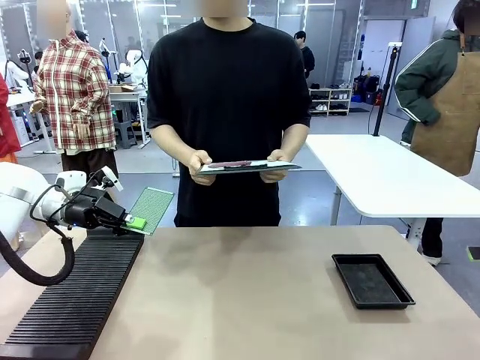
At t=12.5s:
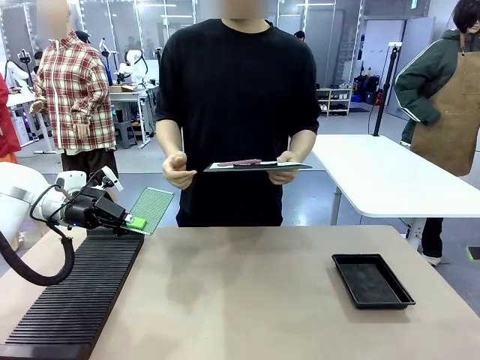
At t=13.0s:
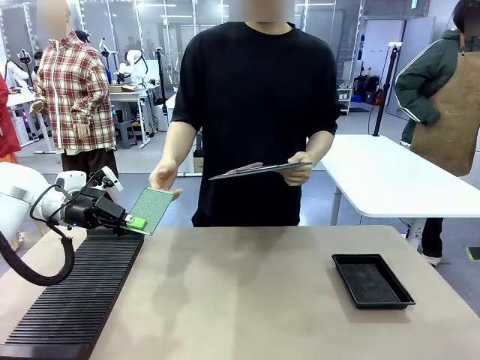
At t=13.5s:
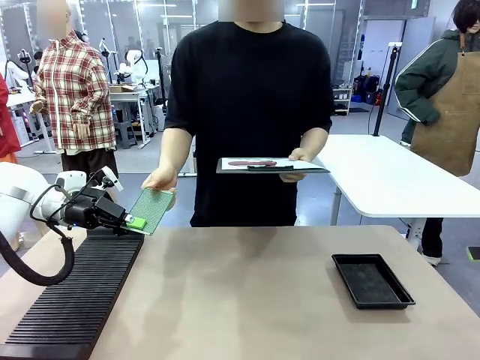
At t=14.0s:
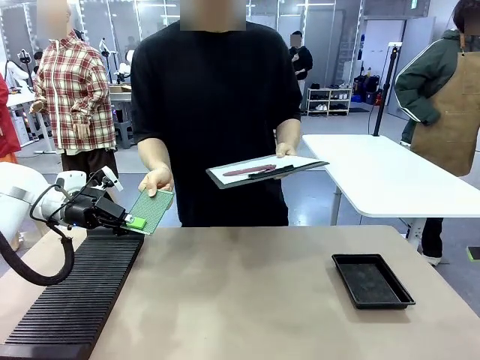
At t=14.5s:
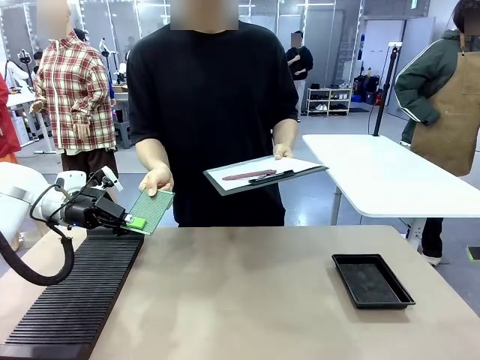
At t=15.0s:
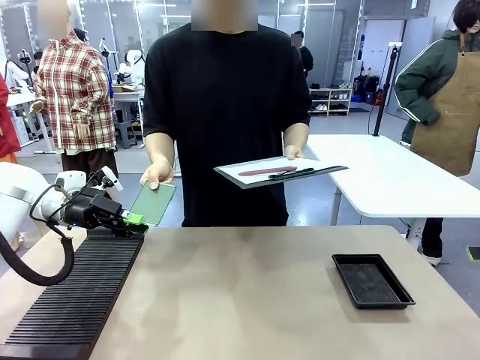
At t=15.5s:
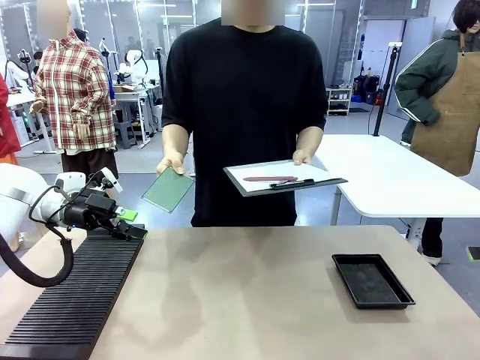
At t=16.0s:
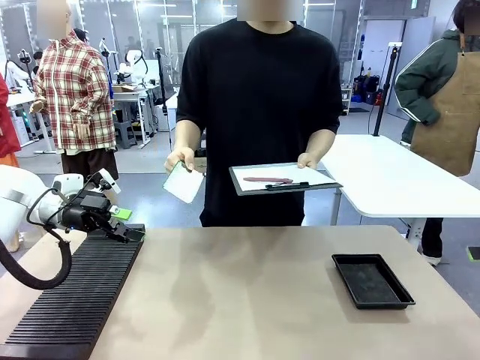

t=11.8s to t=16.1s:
Task: Inspect the PCB.
Robot: Release the Blank PCB you were holding.

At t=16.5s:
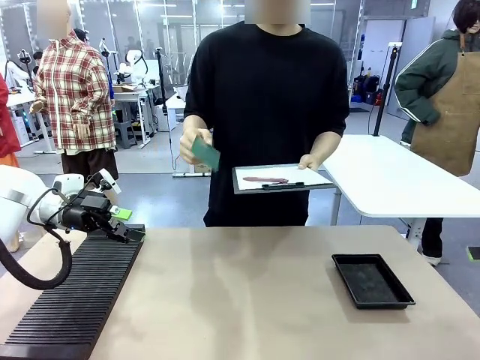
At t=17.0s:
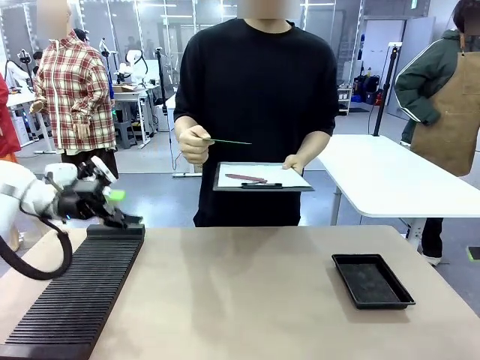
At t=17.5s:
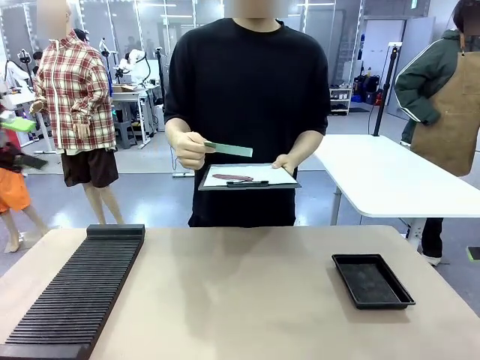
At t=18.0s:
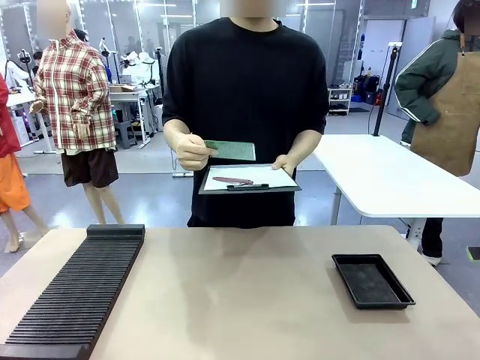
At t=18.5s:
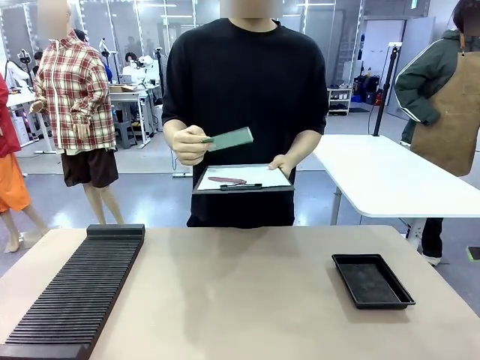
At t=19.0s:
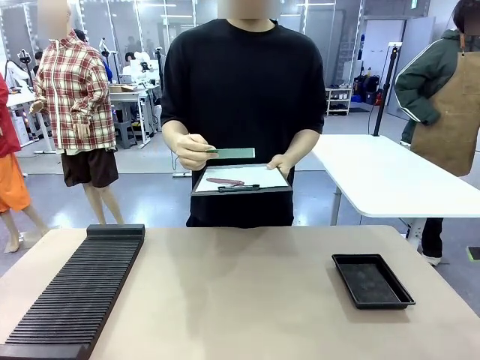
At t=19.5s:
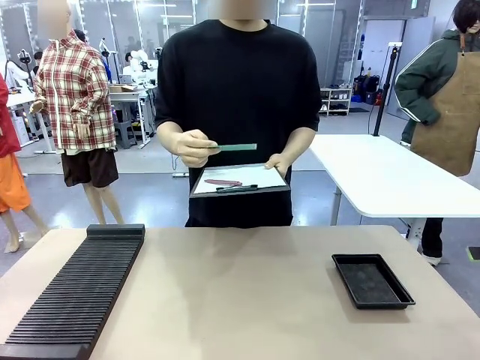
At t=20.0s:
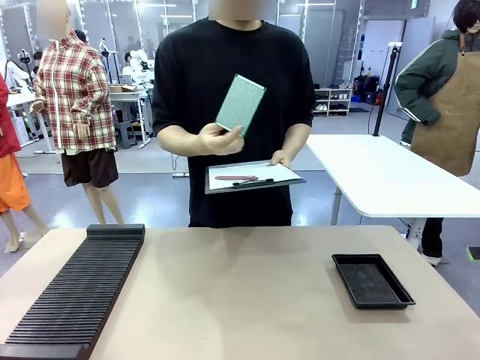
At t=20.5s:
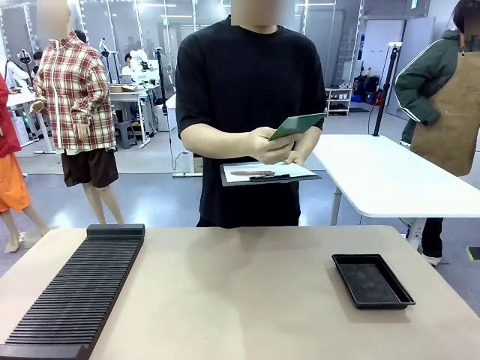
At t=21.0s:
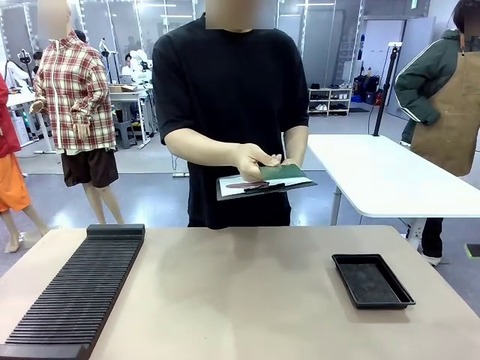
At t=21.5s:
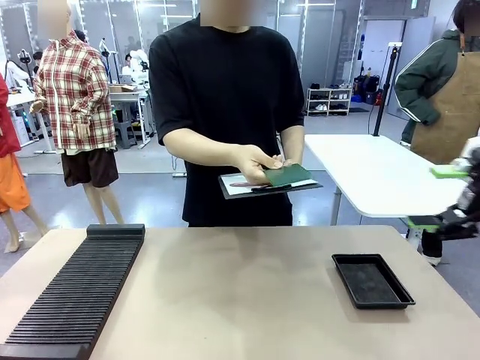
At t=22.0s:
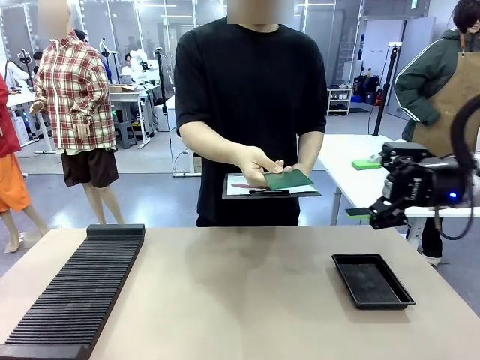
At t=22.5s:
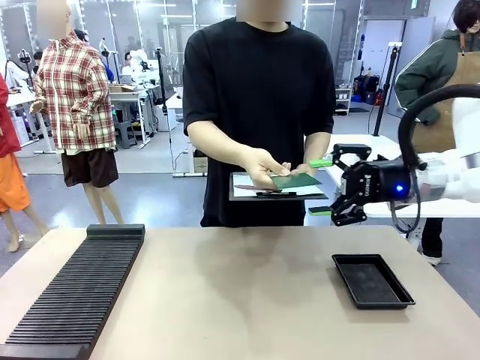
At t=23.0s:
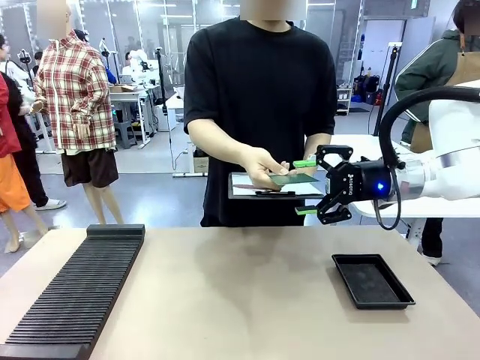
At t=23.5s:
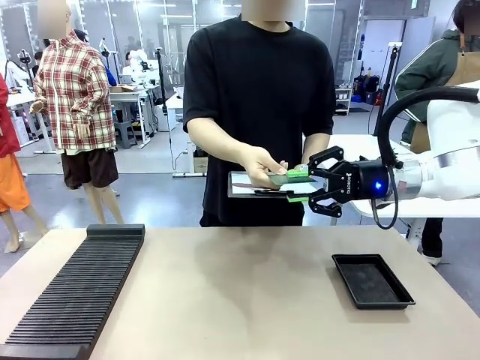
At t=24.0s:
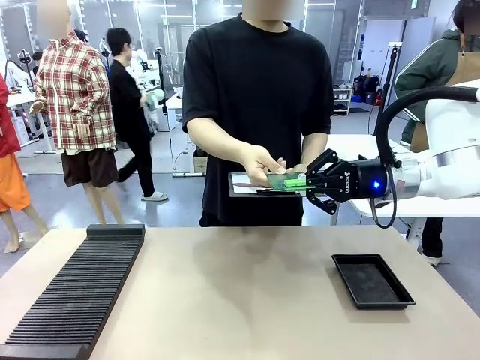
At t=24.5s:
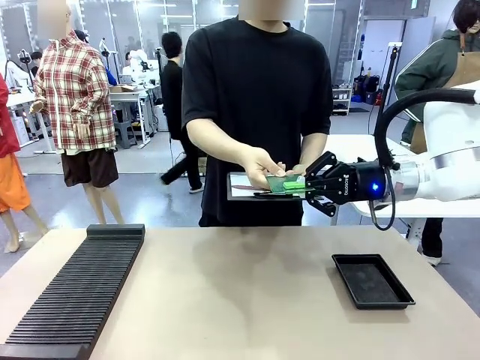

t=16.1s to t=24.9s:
Robot: Pick up the Blank PCB that the human is holding.
Person: Inspect the PCB placed by the robot, then hold it out in front of the robot. Release the PCB you were holding.

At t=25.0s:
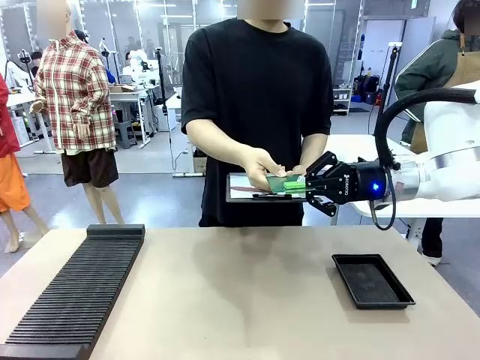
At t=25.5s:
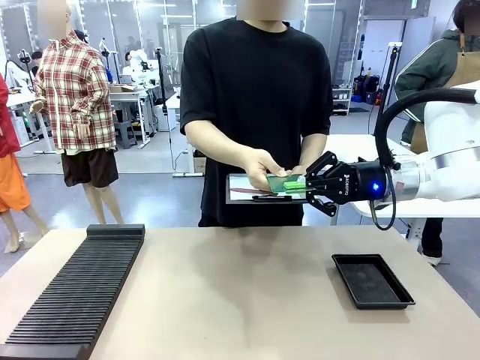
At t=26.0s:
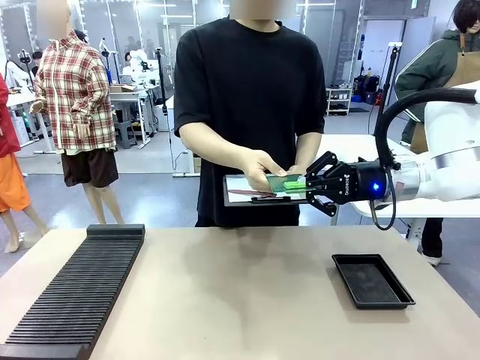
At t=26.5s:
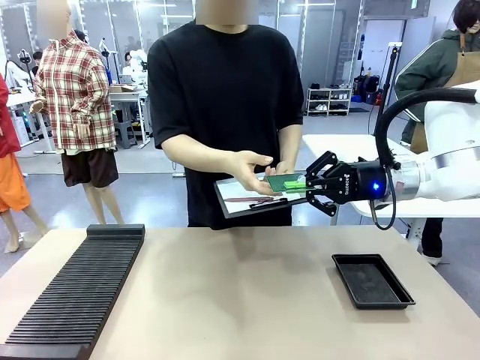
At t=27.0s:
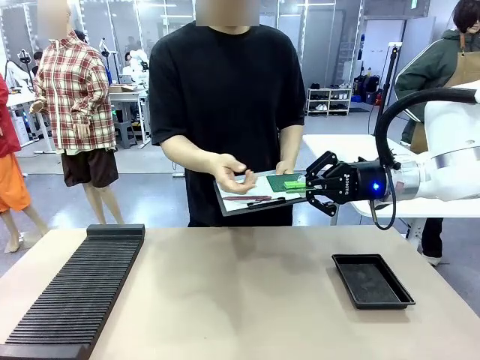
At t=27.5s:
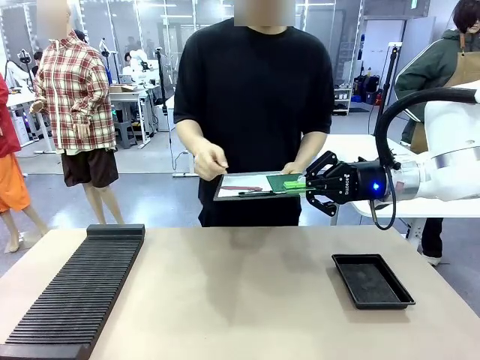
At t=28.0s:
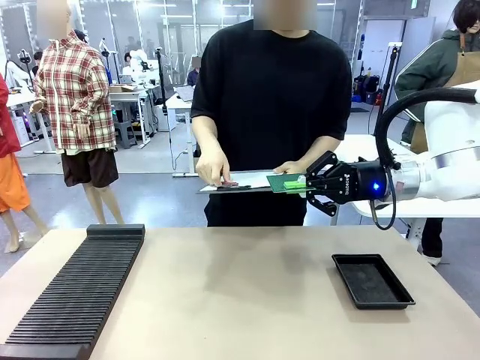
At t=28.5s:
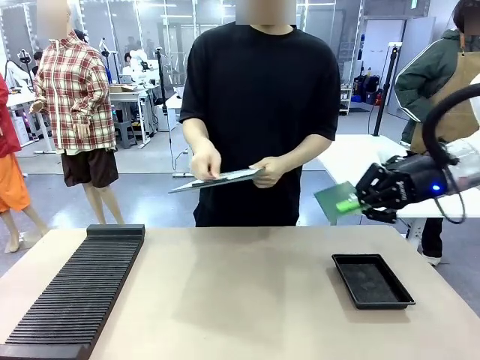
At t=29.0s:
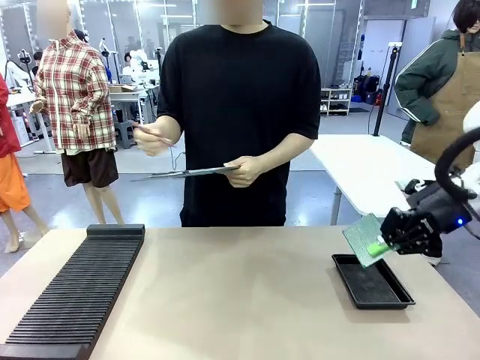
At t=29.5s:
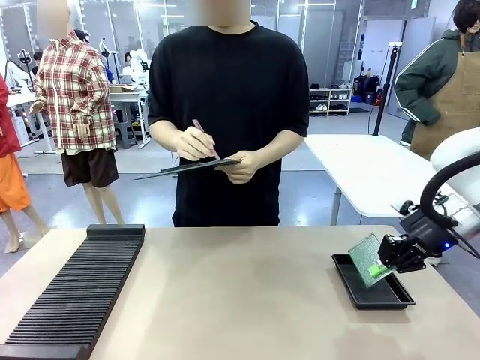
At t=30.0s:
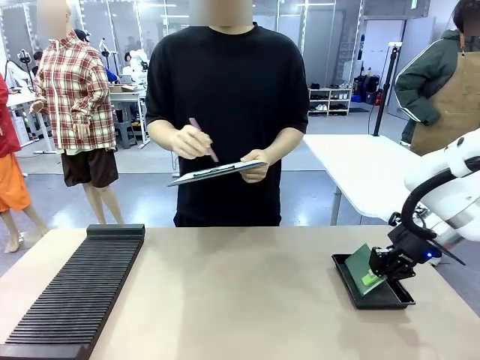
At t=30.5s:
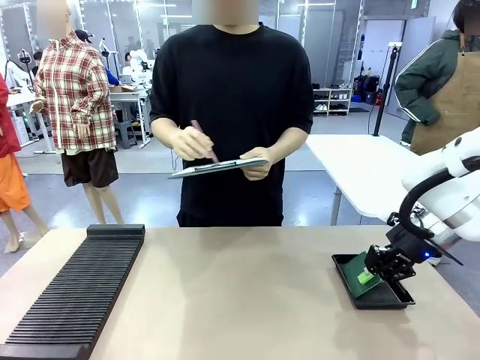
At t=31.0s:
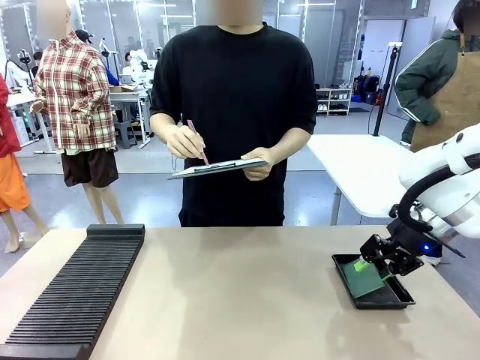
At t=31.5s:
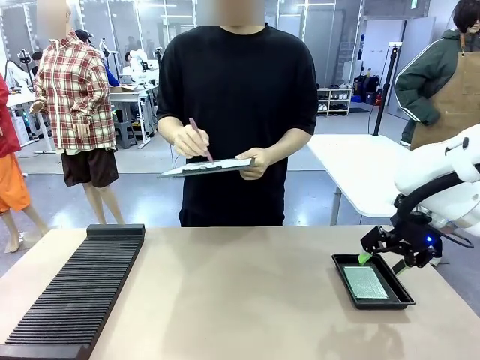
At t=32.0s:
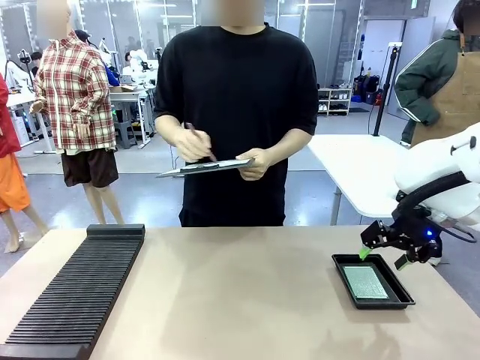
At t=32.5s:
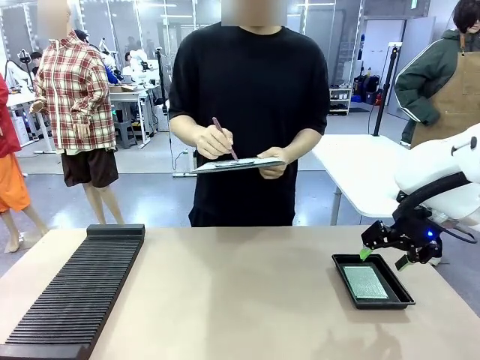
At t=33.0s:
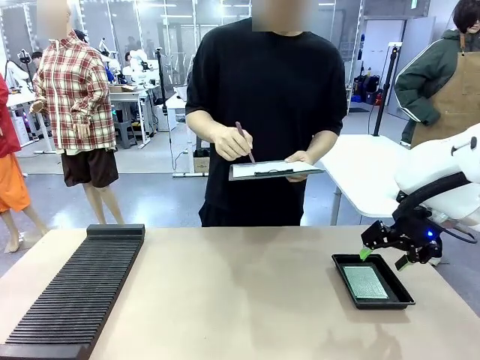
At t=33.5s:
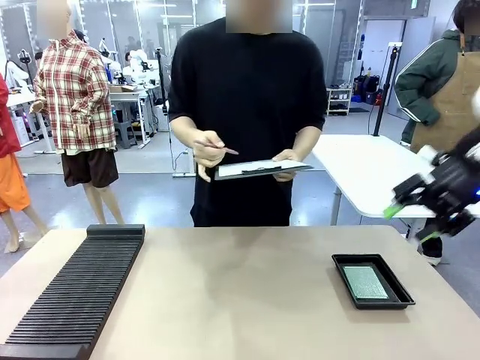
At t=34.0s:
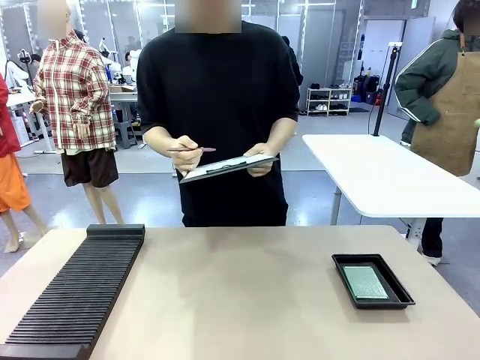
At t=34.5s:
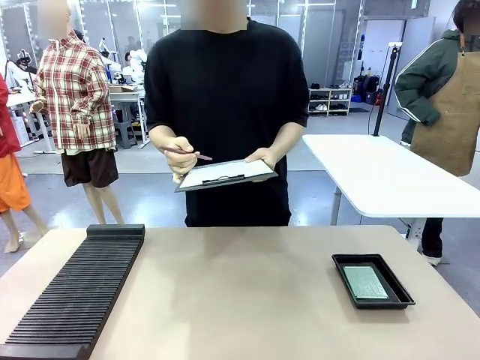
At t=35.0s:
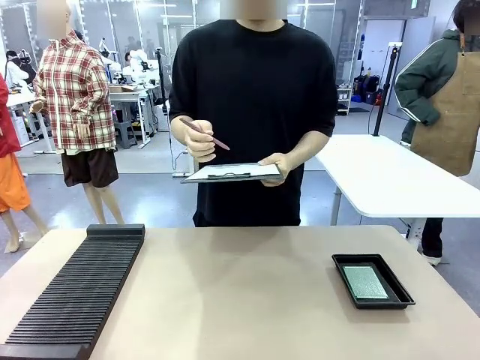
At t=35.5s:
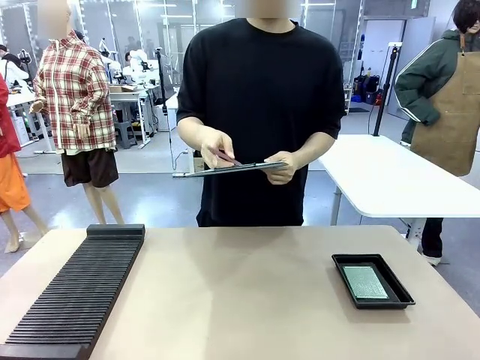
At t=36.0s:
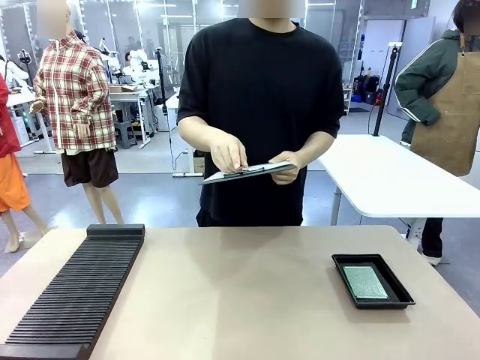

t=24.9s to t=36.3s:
Robot: Place the Blank PCB in the ESD tray.
Person: Record the PCB status on the paper.
